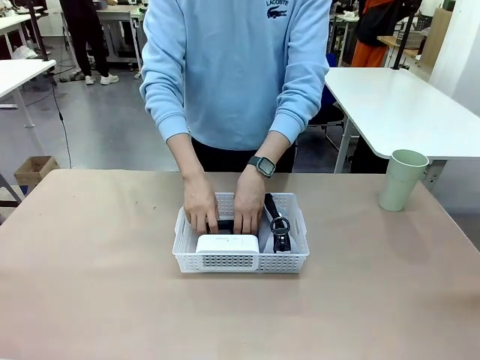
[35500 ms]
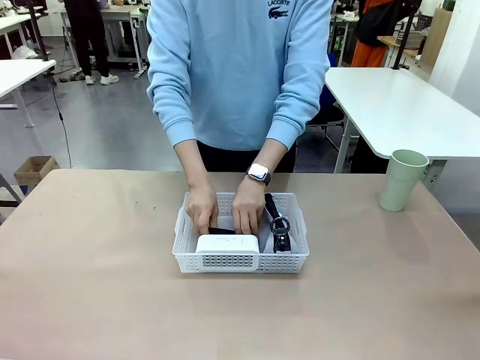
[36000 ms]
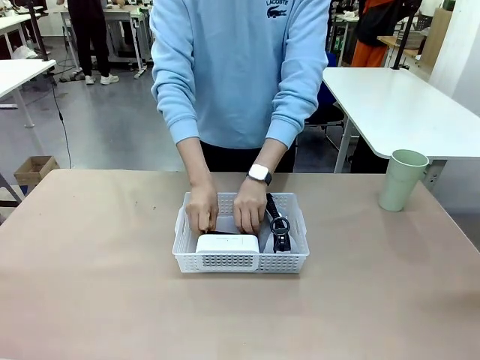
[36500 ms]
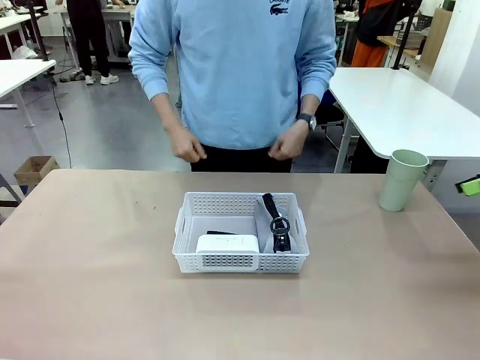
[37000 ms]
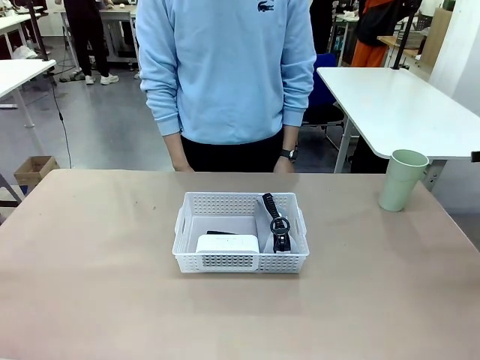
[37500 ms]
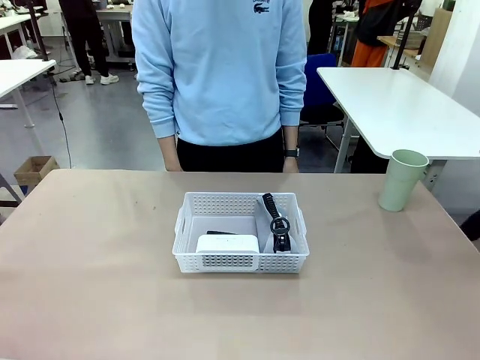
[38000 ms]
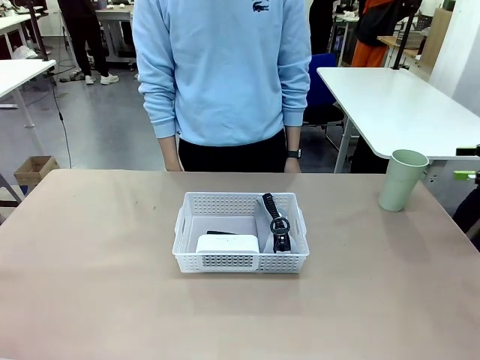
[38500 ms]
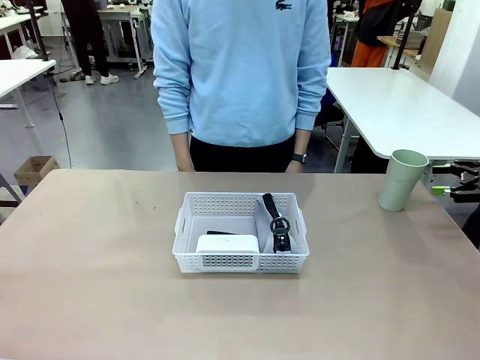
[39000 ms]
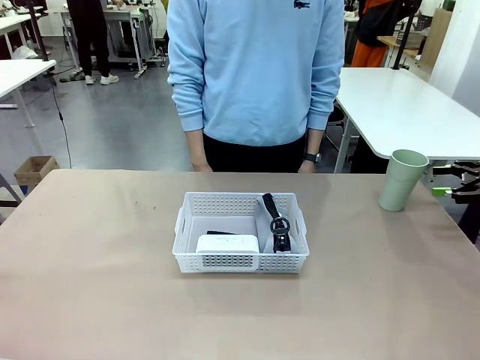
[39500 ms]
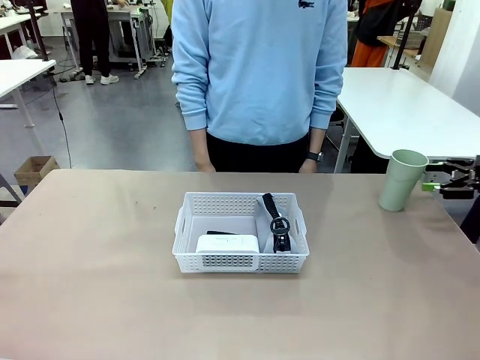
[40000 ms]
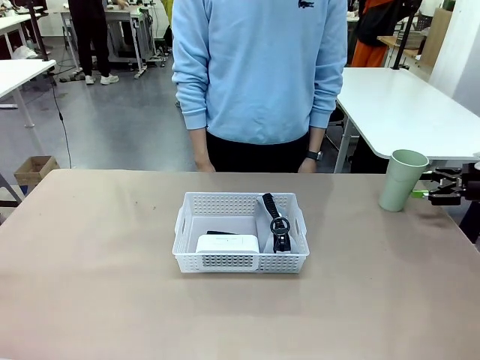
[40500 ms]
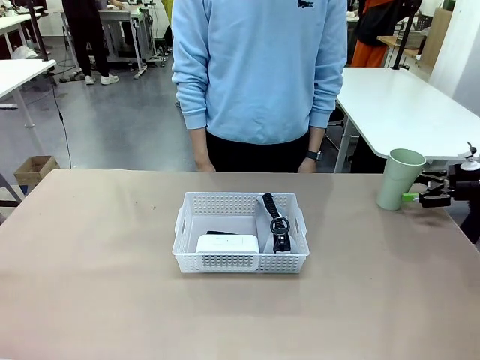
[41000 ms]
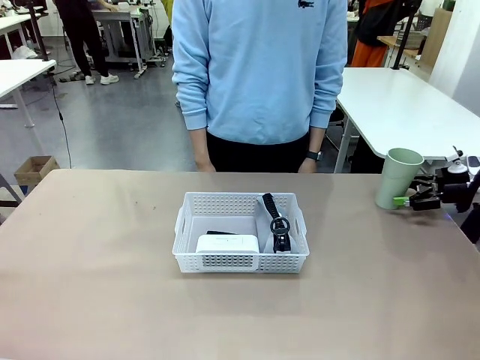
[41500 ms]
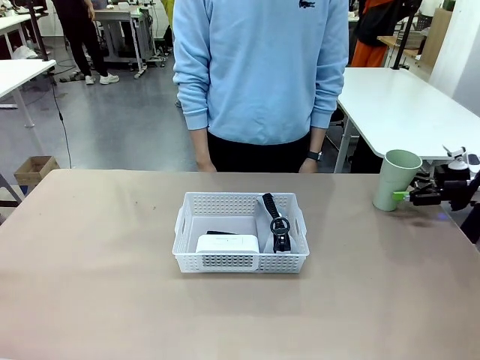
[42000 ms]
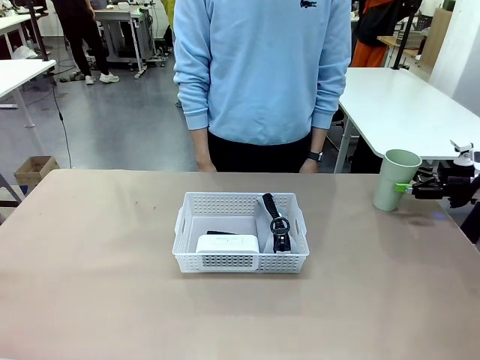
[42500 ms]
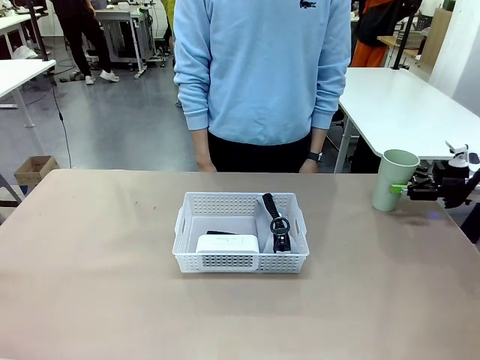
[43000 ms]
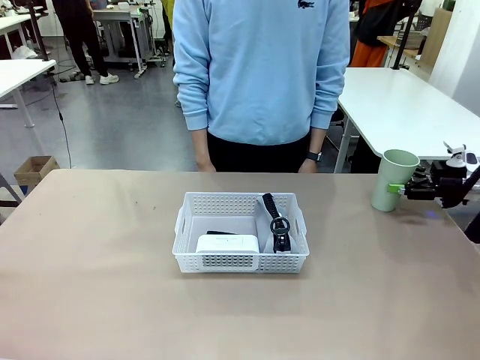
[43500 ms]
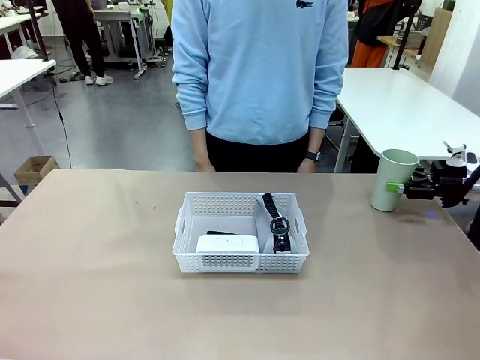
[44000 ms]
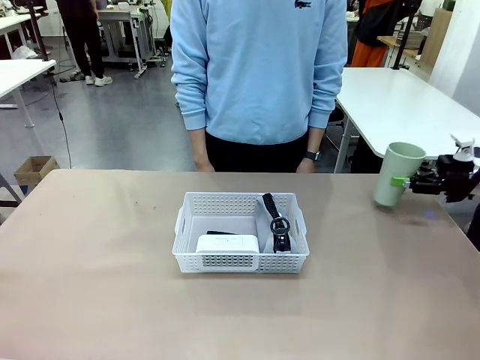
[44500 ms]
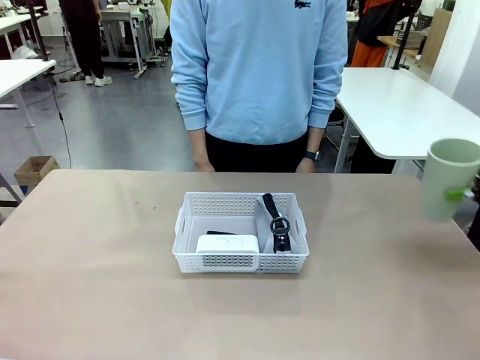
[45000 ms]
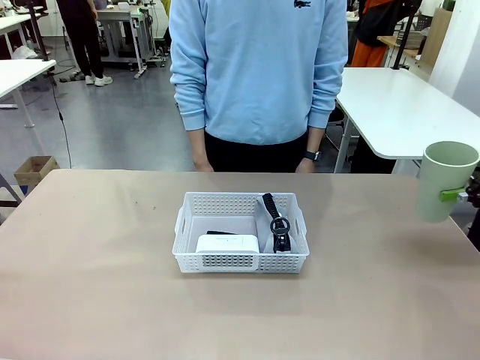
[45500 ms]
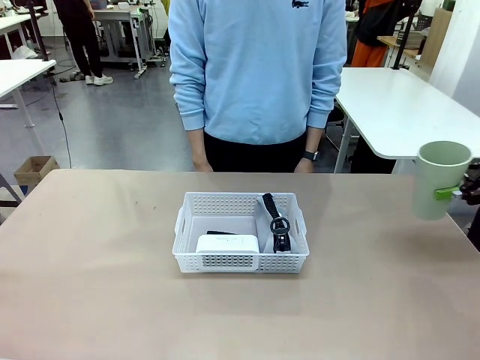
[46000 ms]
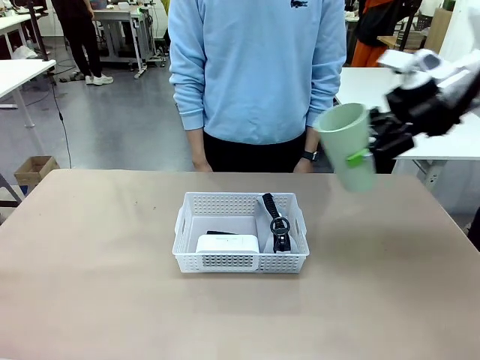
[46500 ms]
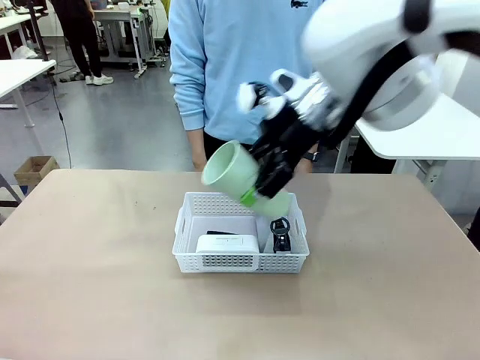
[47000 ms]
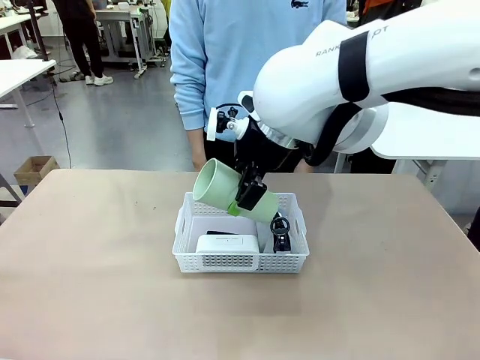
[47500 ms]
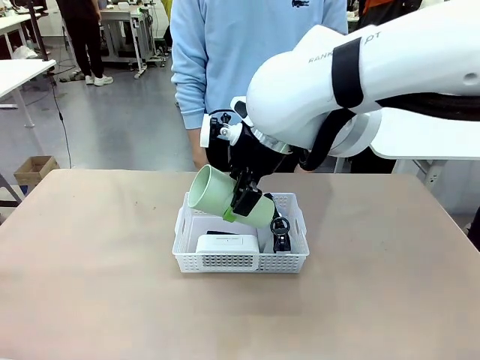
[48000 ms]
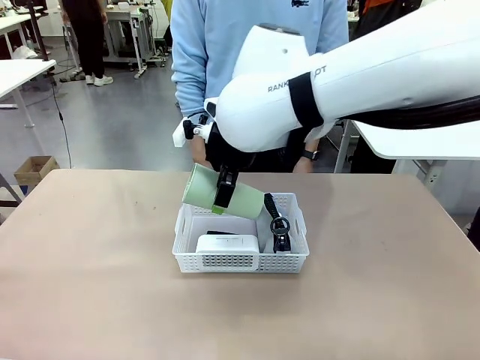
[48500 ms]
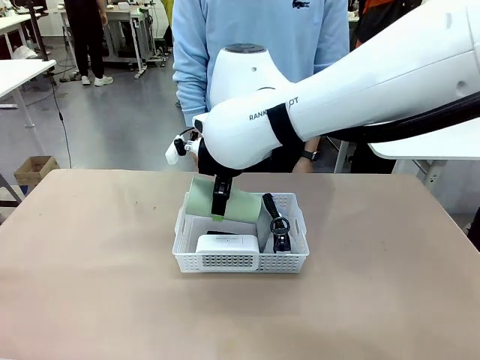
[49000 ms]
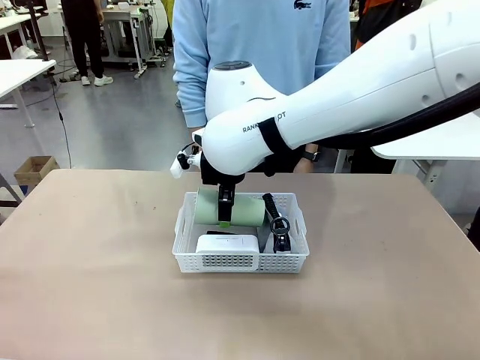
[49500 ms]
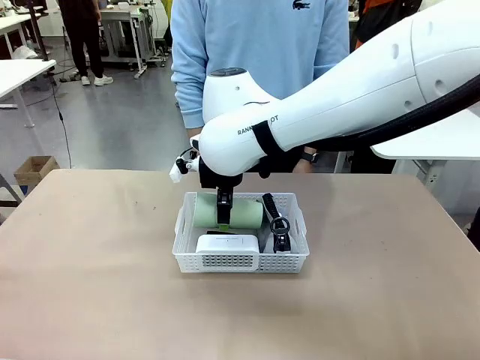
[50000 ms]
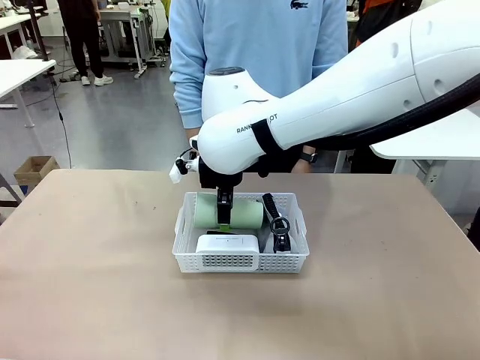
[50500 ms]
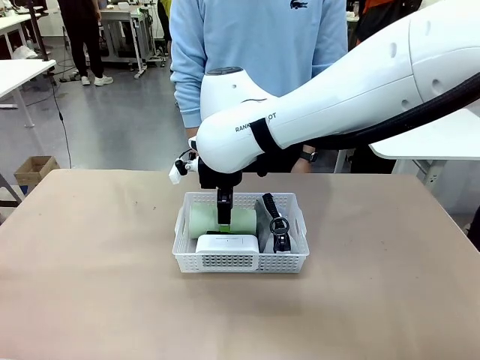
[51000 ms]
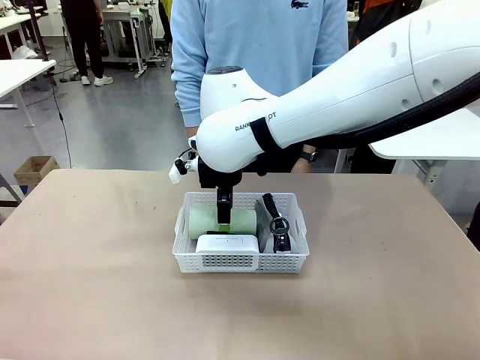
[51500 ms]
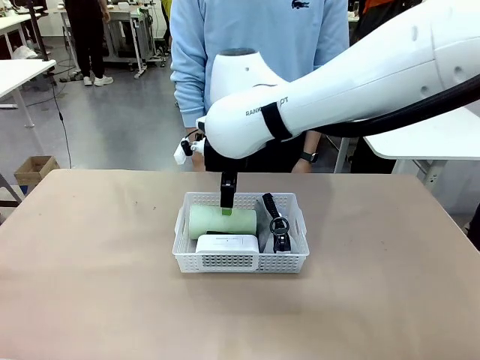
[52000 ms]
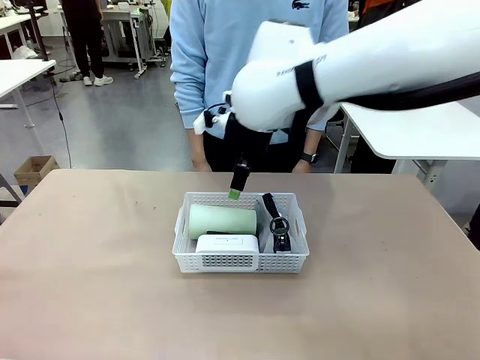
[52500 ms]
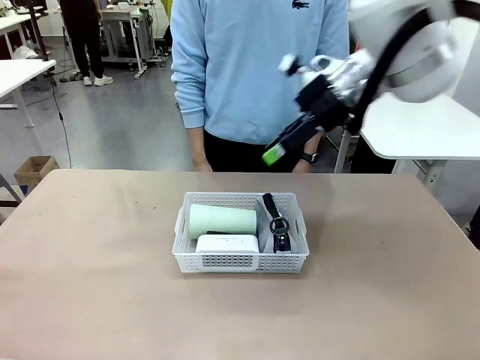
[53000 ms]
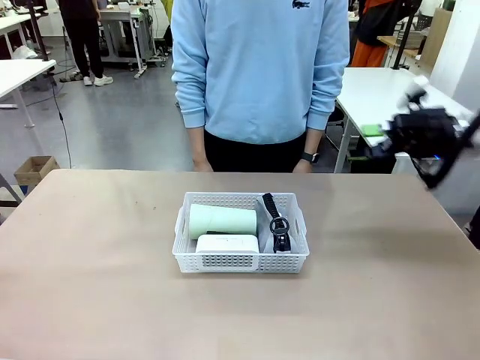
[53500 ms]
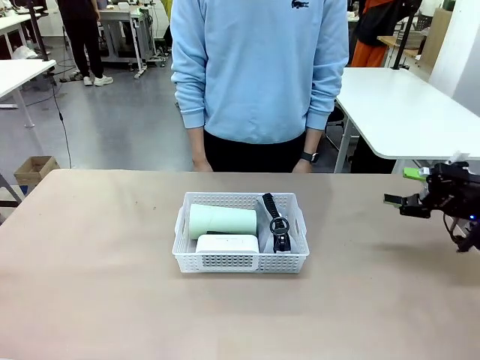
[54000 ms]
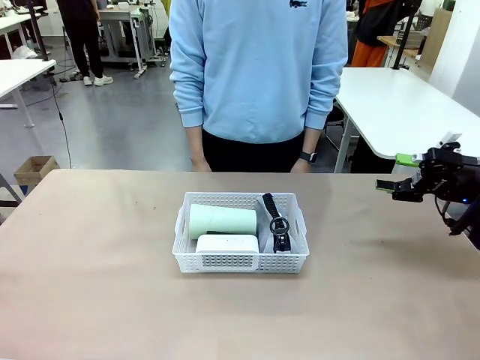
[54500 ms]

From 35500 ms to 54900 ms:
Task: Efficiently arrange items inside the basket to fit them all.
Robot: Pick up the Reusable plastic cup and place it inside the Organizing basket.
Person: Repositions the stapler.
